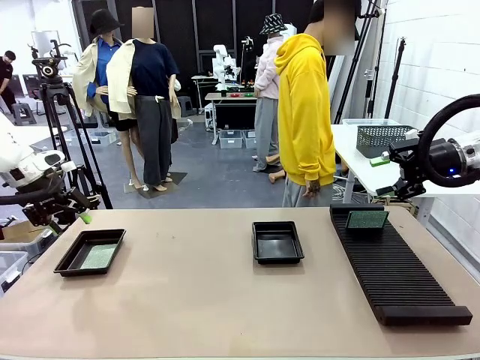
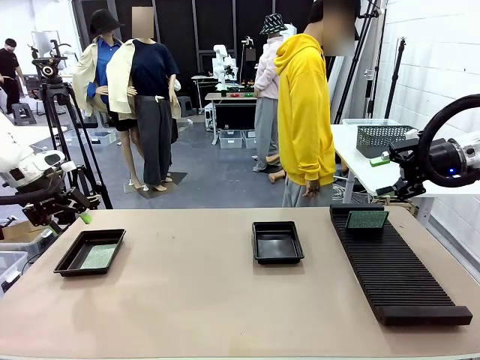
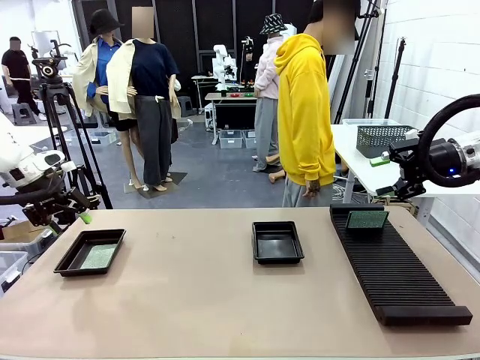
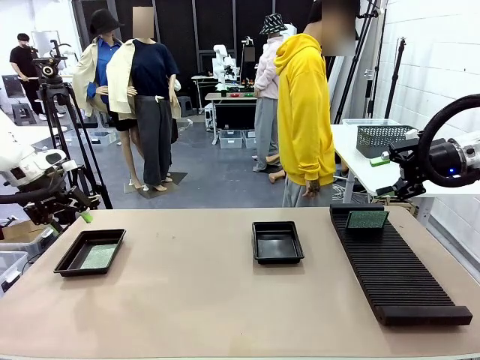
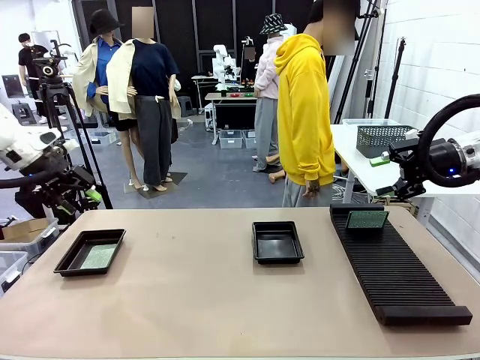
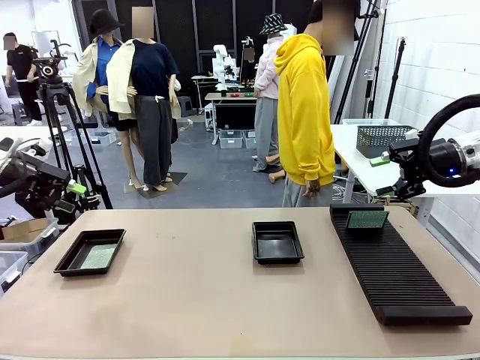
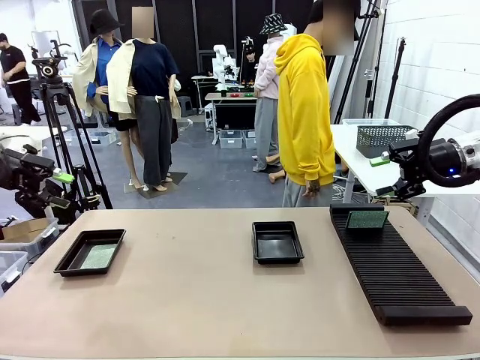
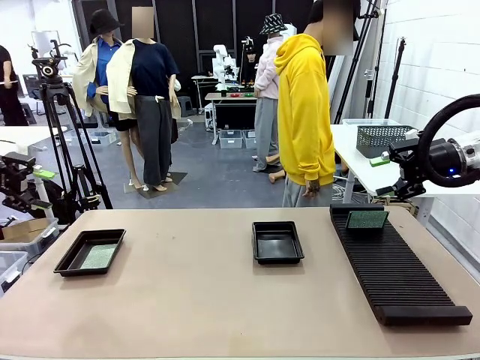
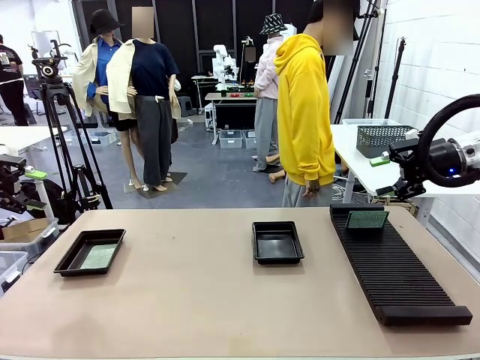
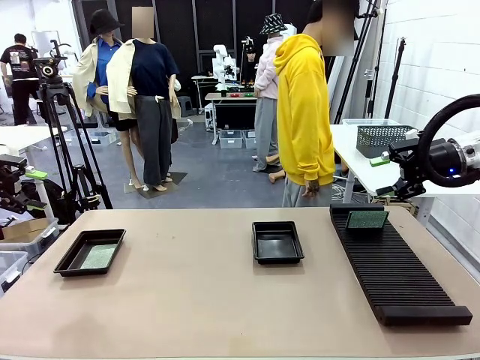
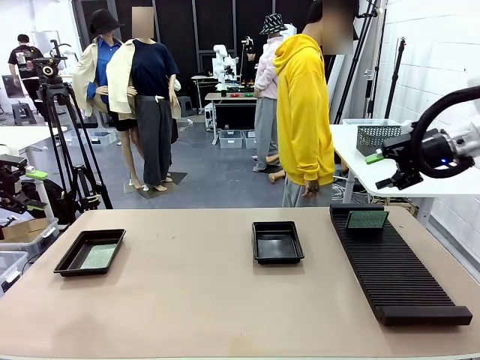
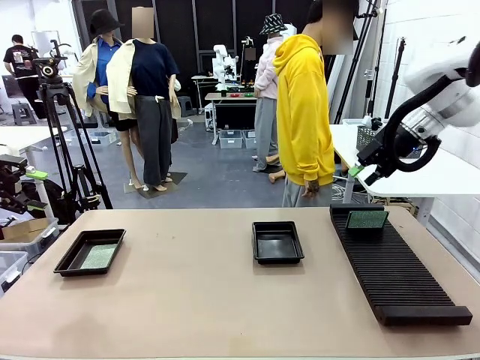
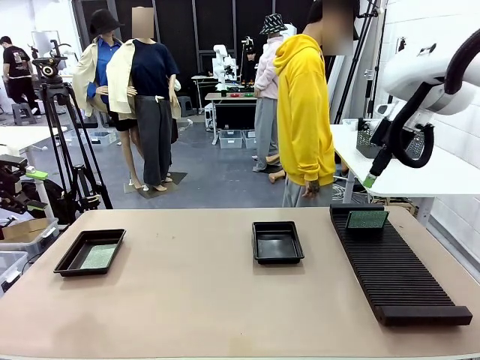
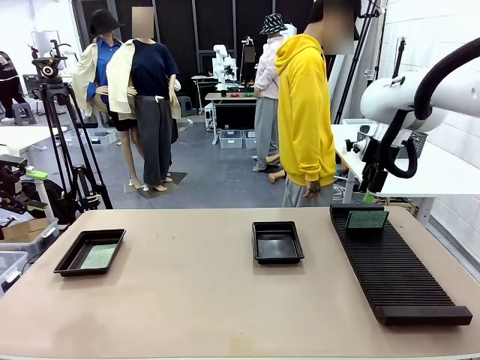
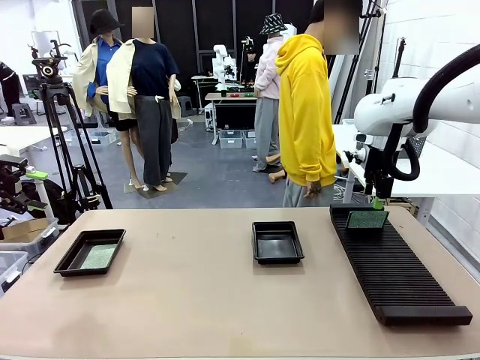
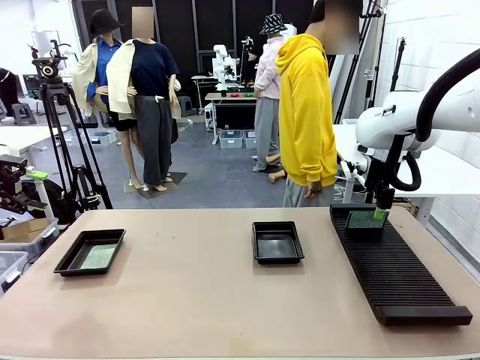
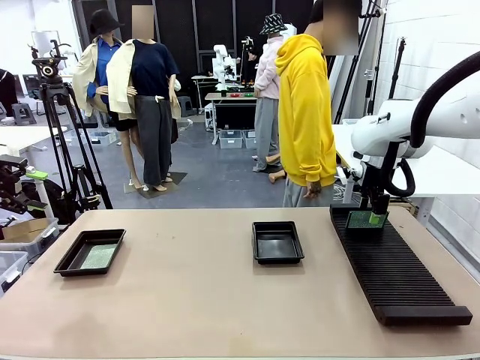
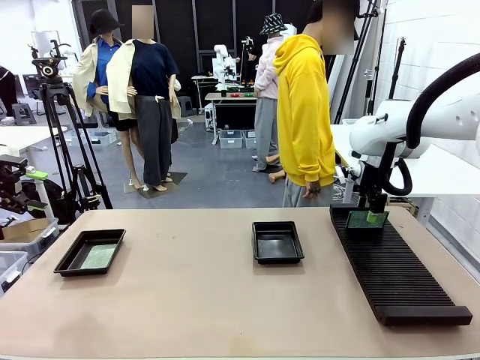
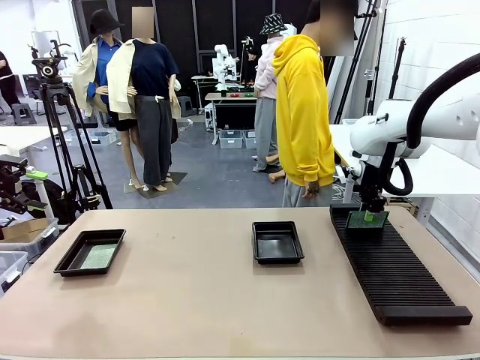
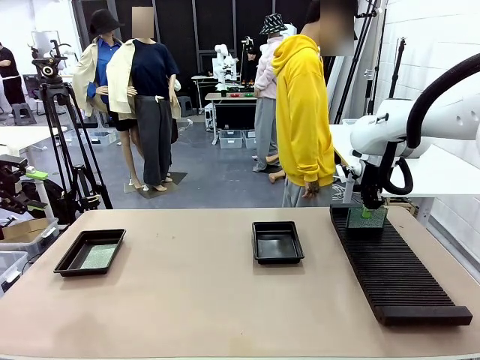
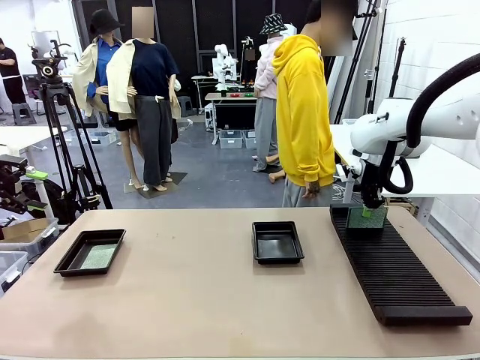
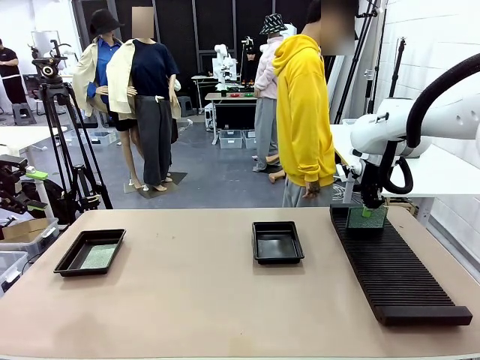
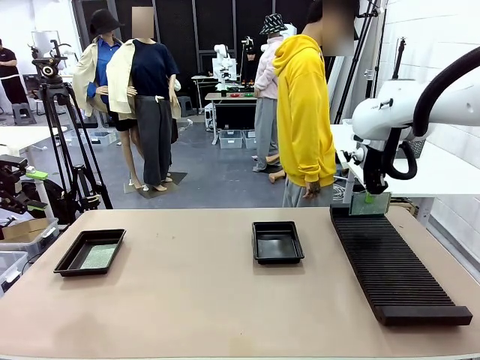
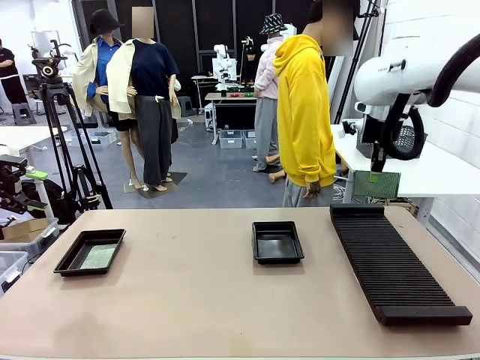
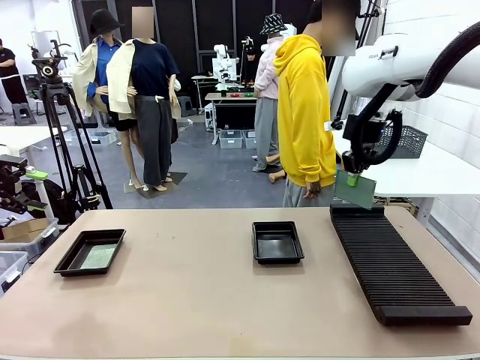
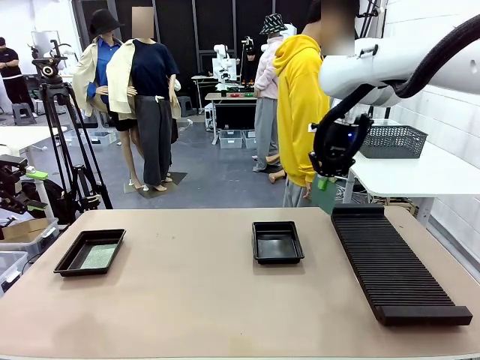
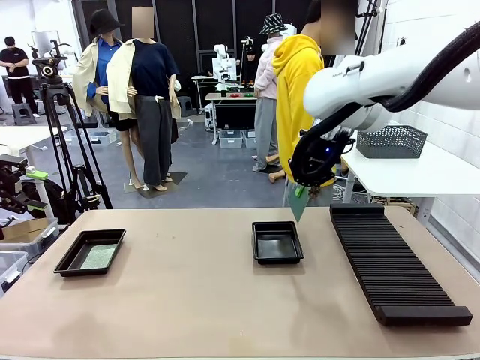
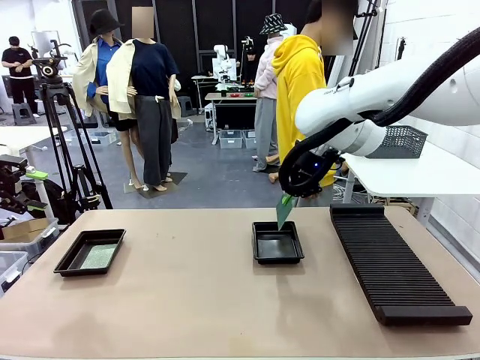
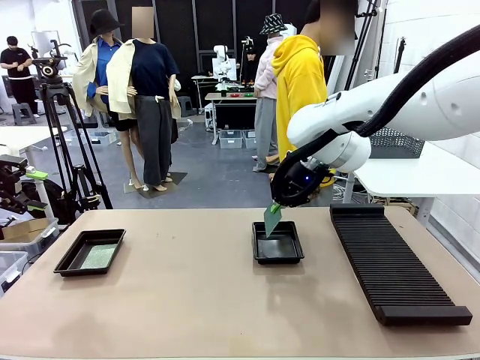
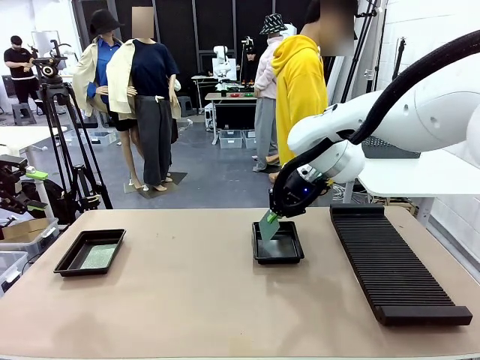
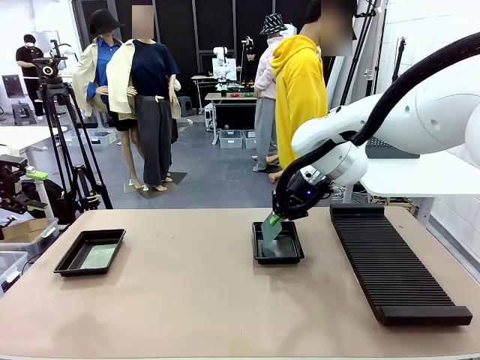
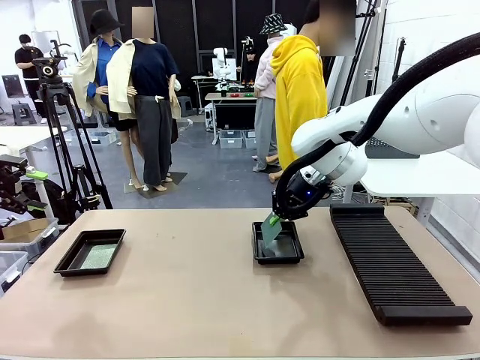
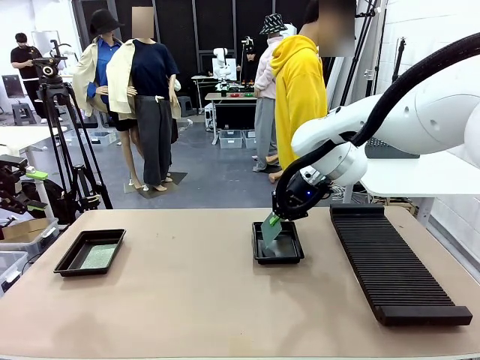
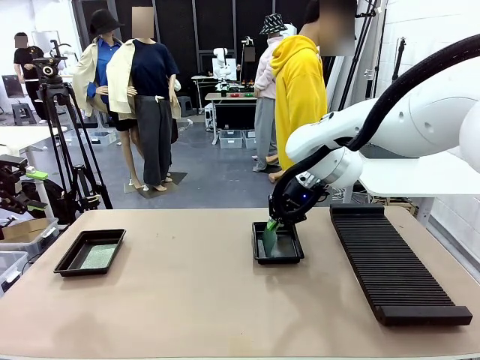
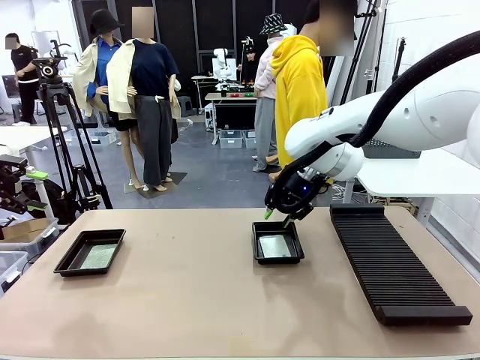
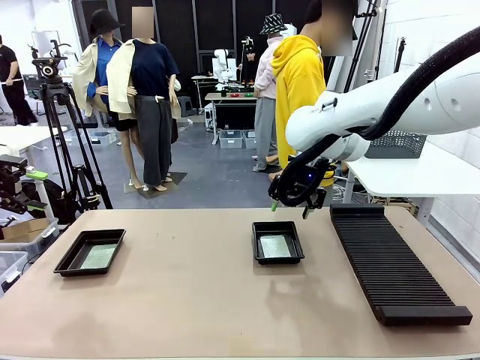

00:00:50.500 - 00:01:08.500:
Task: Inspect and transfer BCBs to ESD trays.
Robot: Pick up the Blank PCB from the PCB Rack and place it in the right ESD tray.

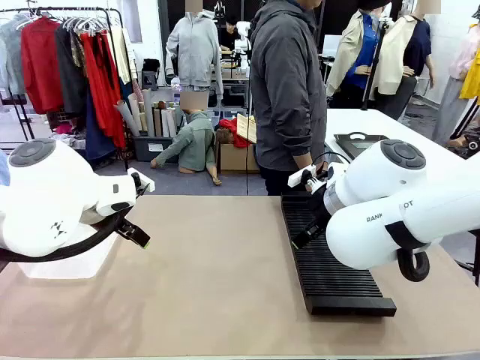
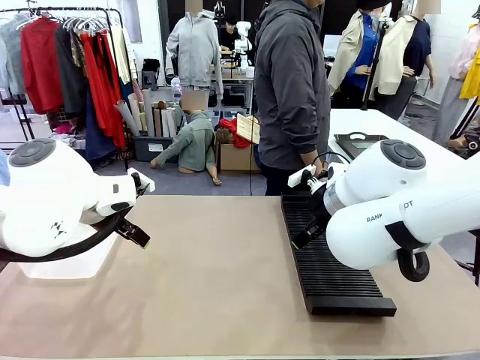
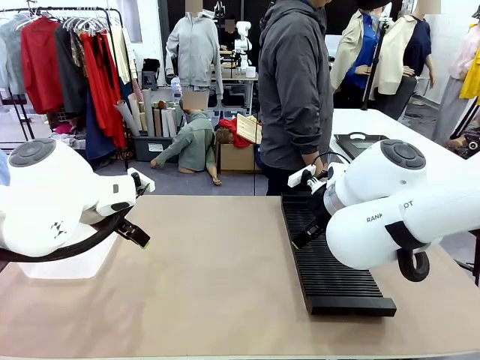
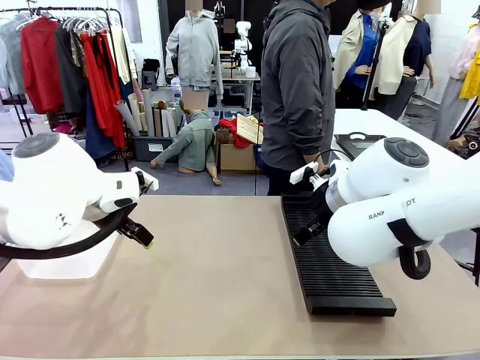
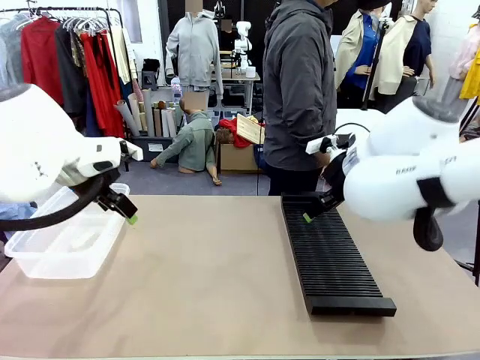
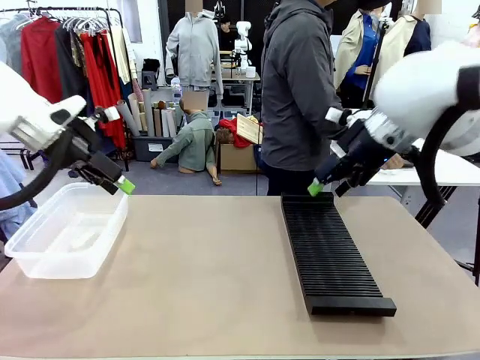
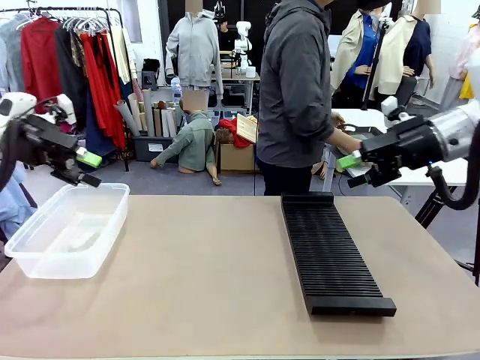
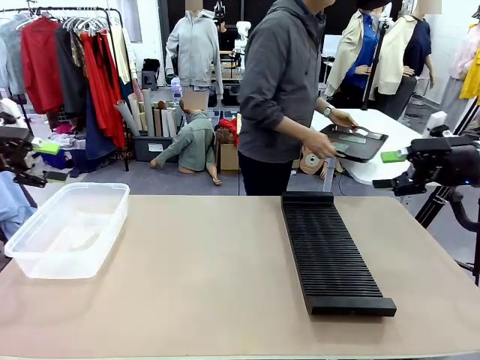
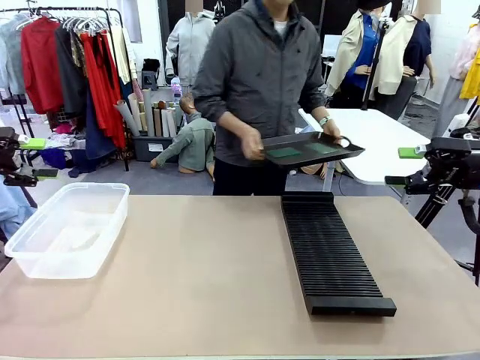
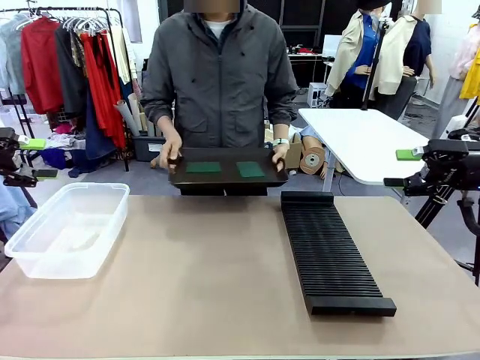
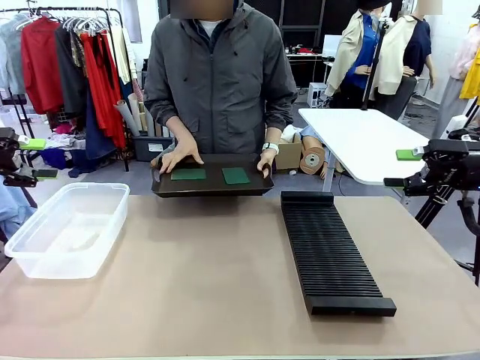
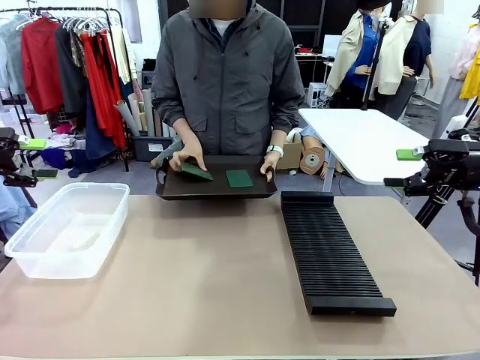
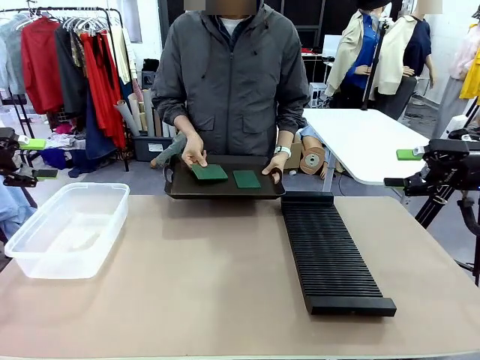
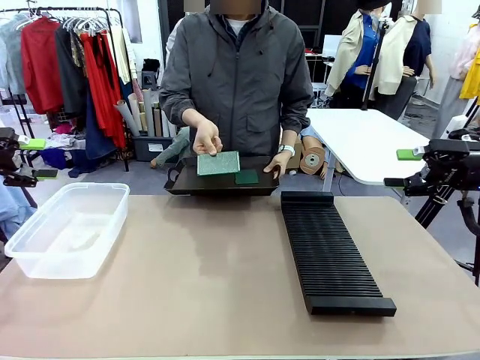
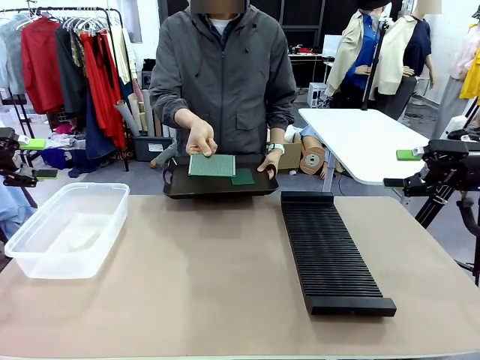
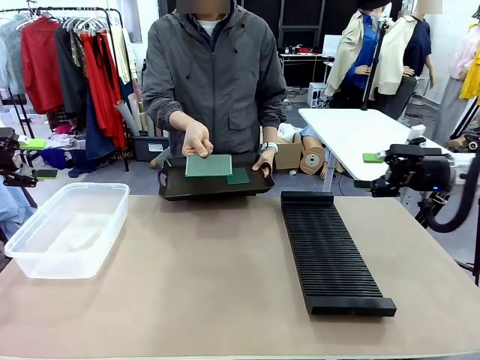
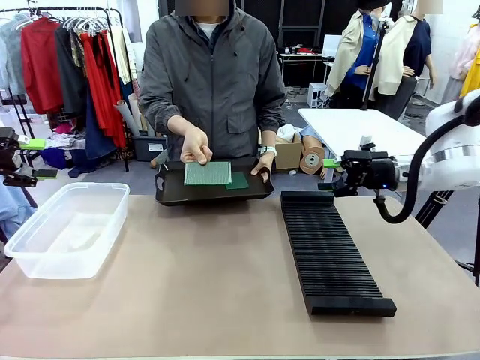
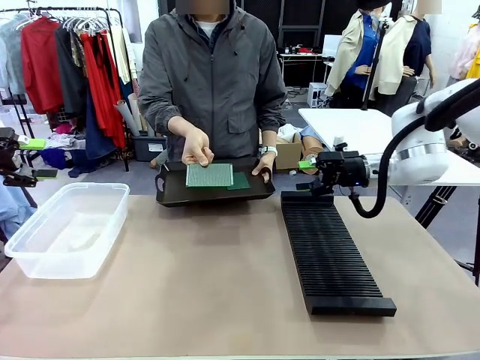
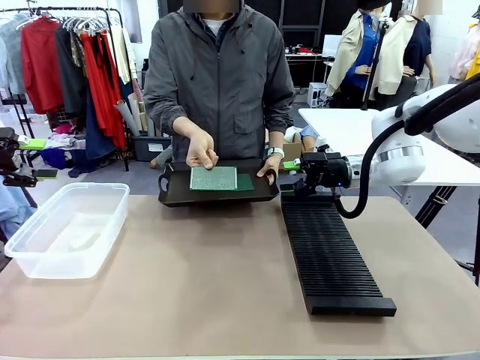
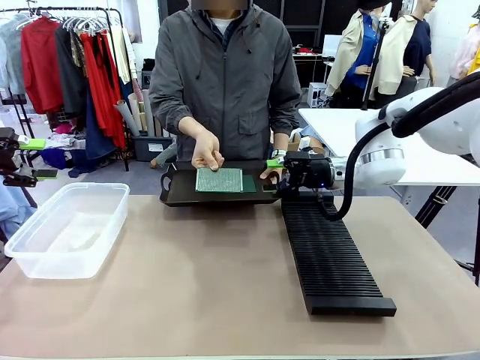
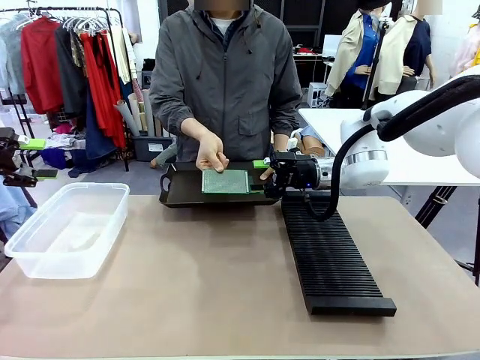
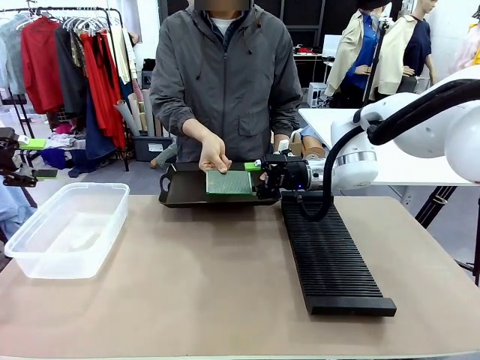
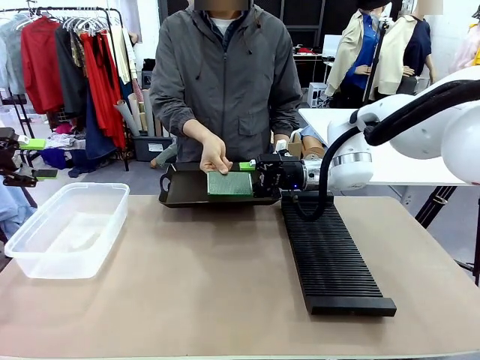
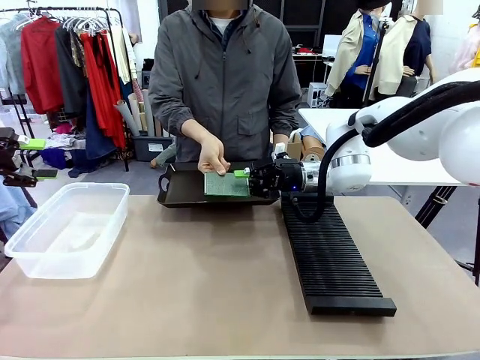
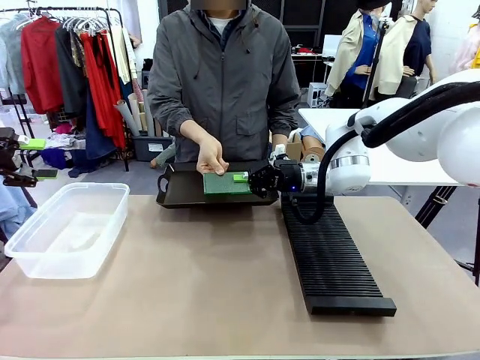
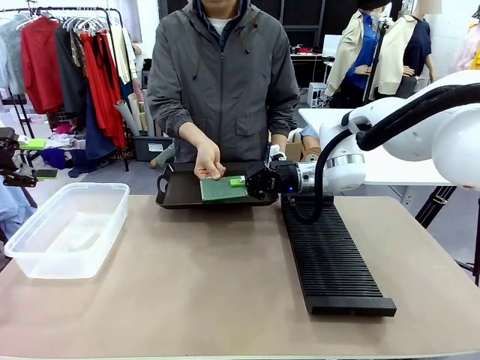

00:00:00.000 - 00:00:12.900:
Task: Sort PCBs into racks and boxes based on the side picked up.
Robot: Pick up the Blank PCB handed by the Human.
Person: Pick one PCB from the tray and present it to the robot. Release the PCB being held.
